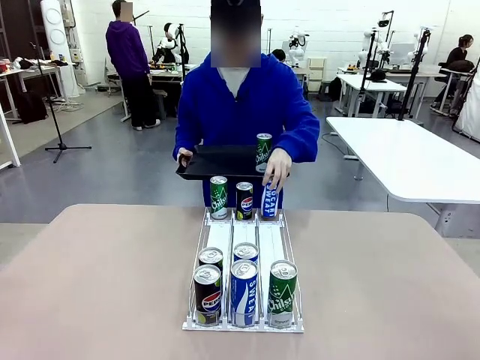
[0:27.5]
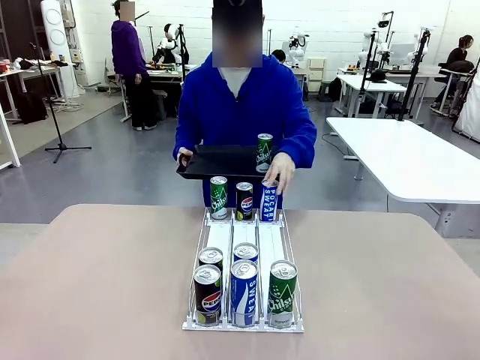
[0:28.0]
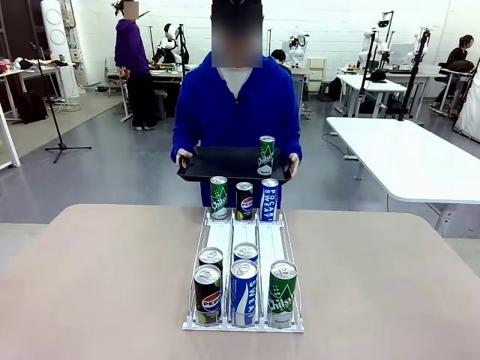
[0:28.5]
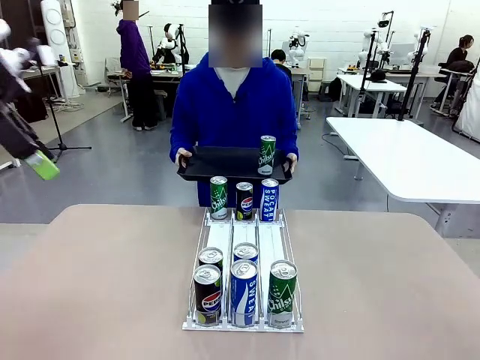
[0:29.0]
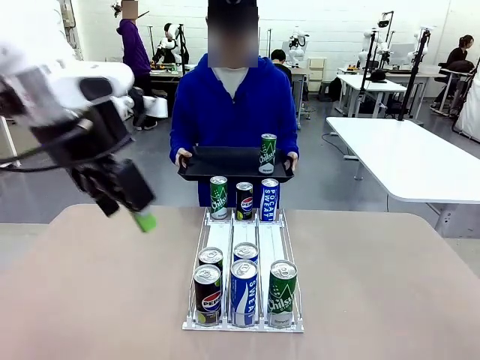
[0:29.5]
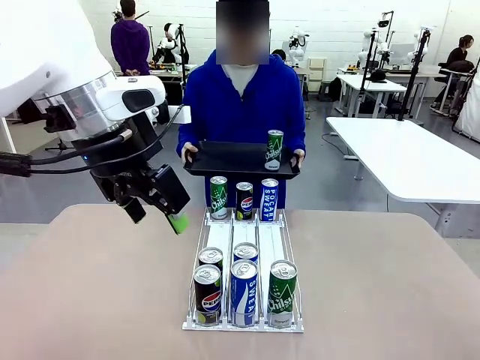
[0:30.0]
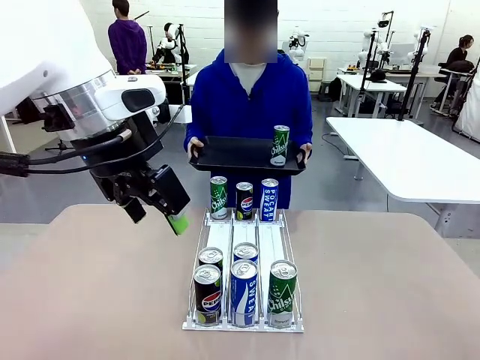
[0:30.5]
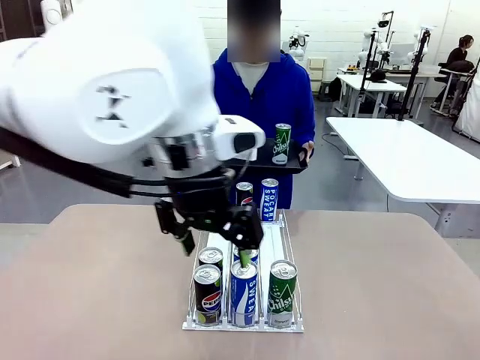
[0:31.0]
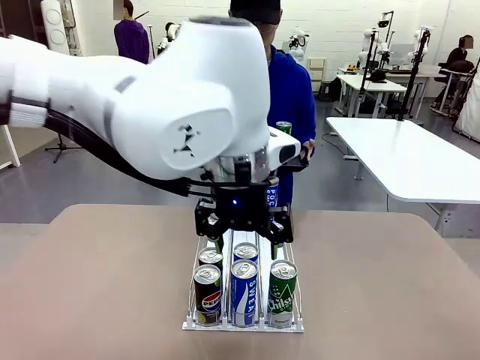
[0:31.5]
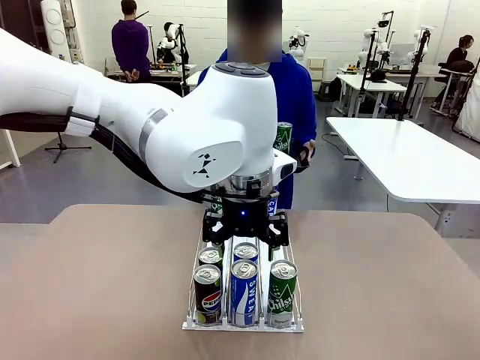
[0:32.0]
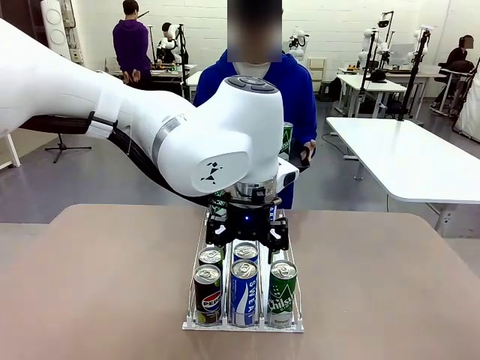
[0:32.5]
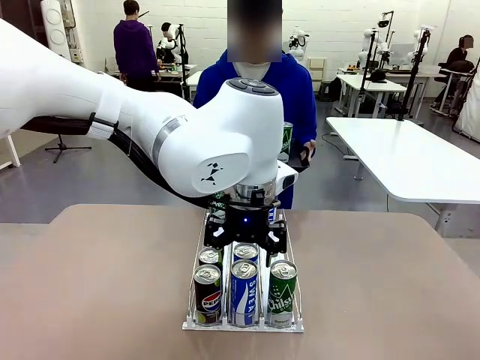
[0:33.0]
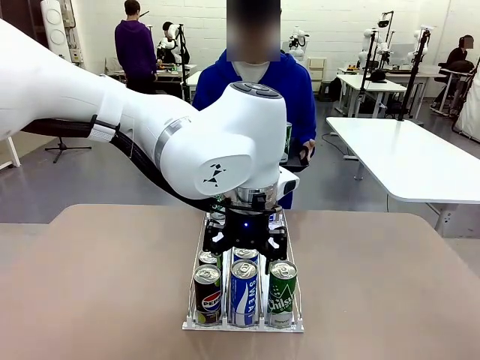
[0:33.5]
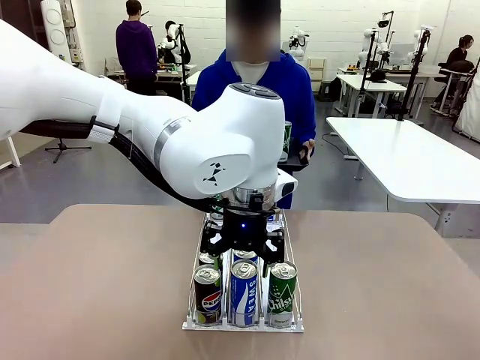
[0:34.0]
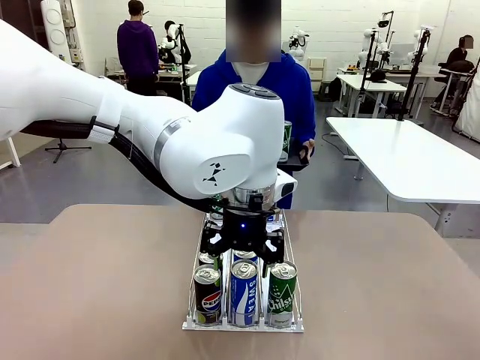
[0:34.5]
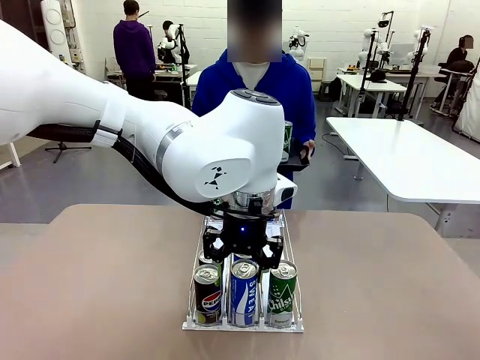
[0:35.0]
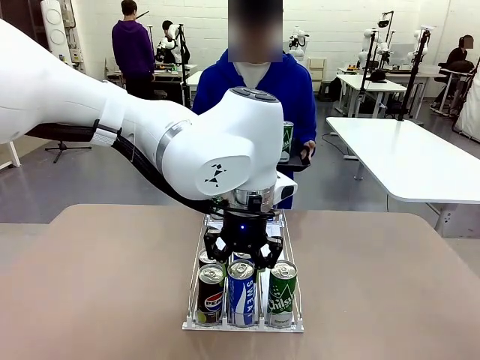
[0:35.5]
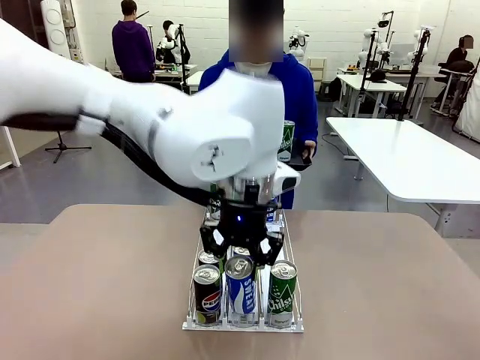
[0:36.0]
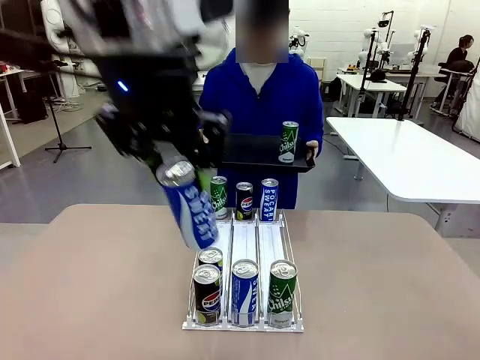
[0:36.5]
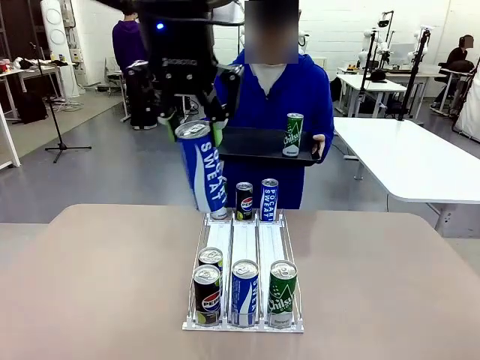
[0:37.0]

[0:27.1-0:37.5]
Task: Retrieve and hand over the desired beverage to the person.
Robot: Pick up another can of the same type that the person held from the Automatic Can Dispenser.
Person: Push the tray toward the robot again.

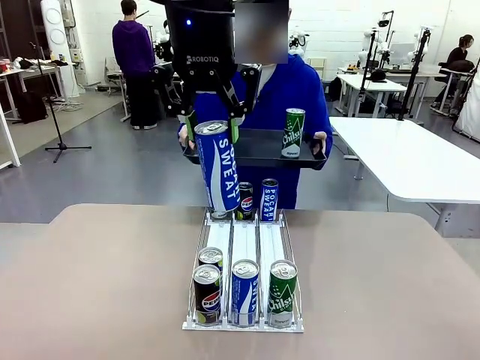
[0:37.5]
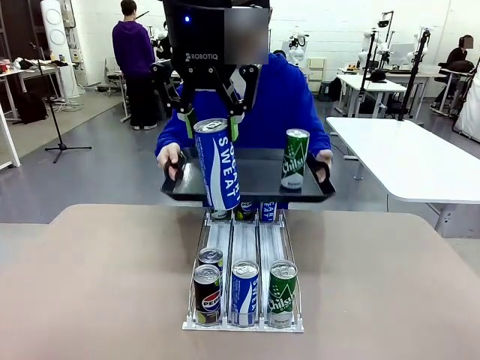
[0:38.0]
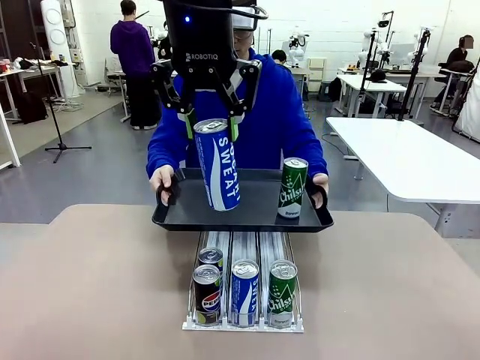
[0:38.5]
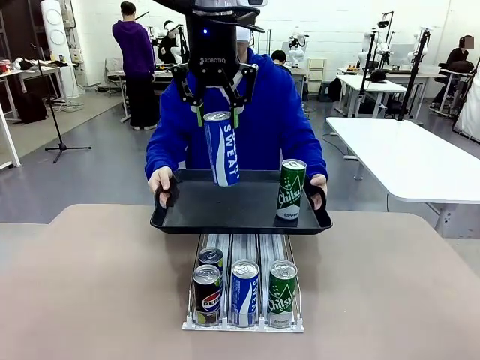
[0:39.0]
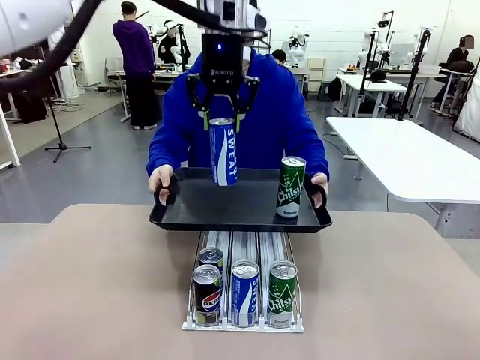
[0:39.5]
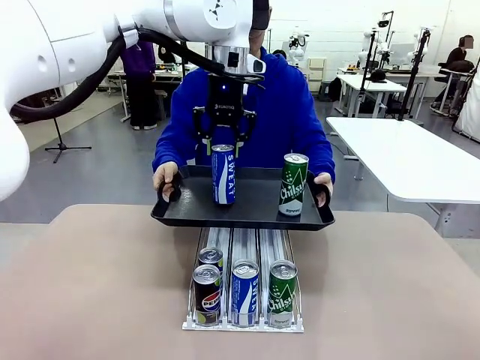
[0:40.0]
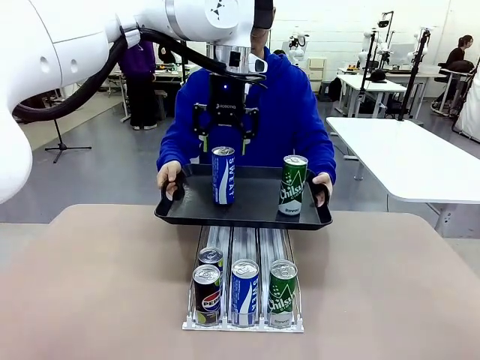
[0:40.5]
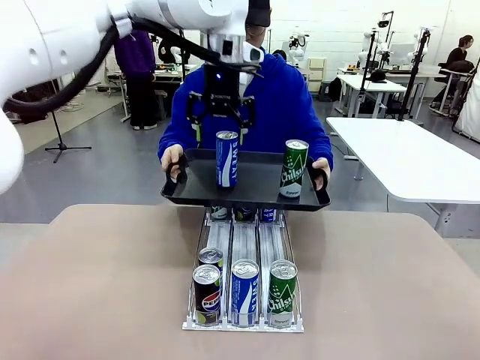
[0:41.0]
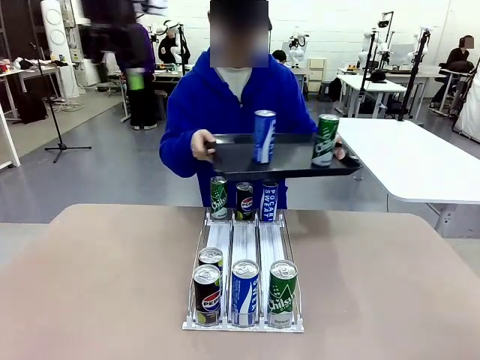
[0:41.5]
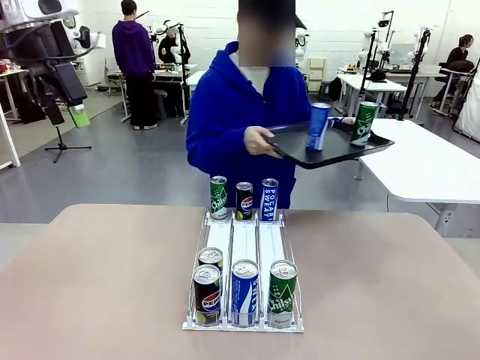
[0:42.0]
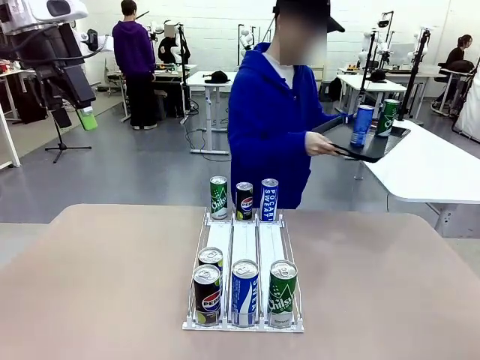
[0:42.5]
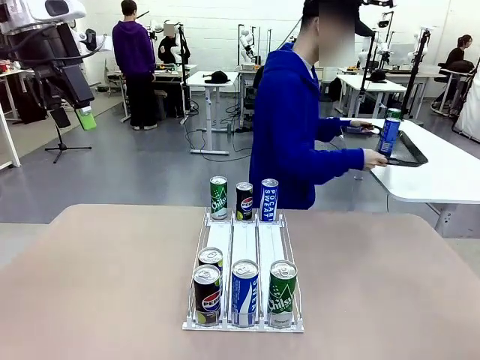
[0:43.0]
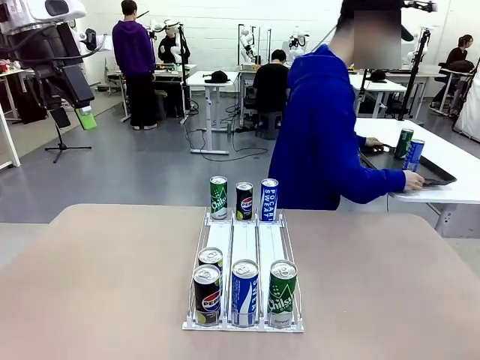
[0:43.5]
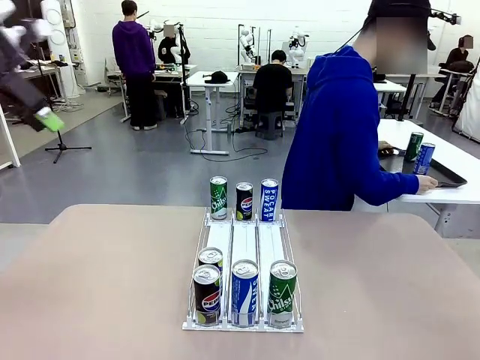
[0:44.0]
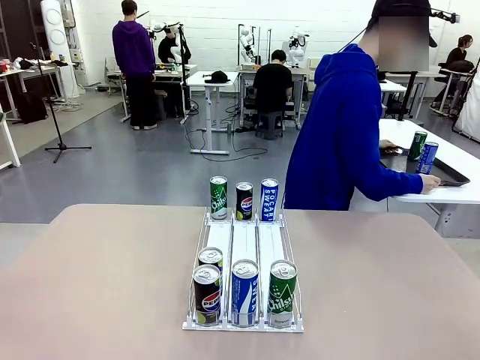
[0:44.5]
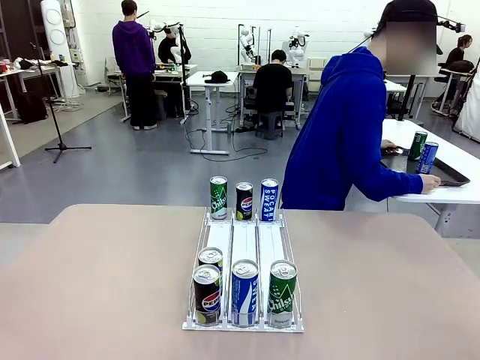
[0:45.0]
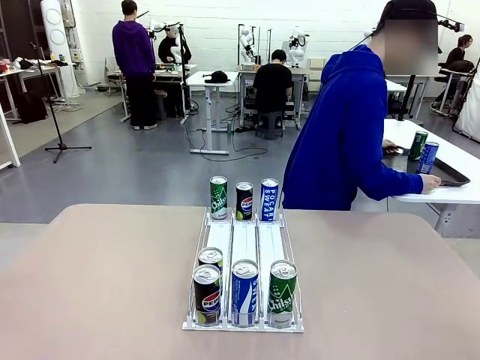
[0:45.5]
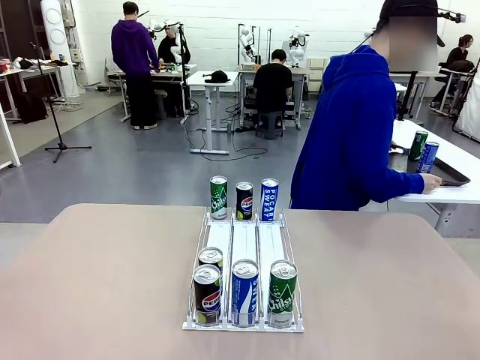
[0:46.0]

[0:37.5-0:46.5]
Robot: Place the picked can on the Handle tray extended by the person.
Person: Pull the tray back and place it at the center of the human table.

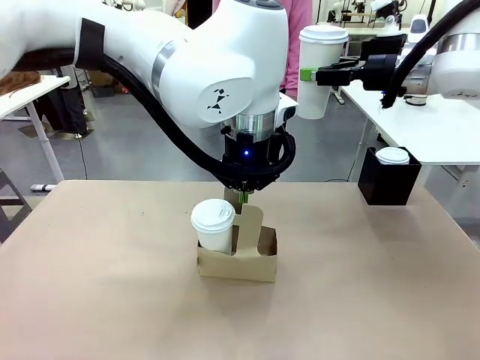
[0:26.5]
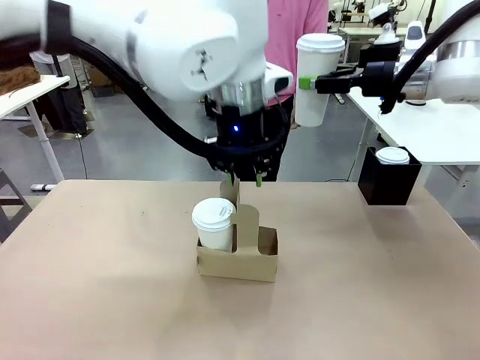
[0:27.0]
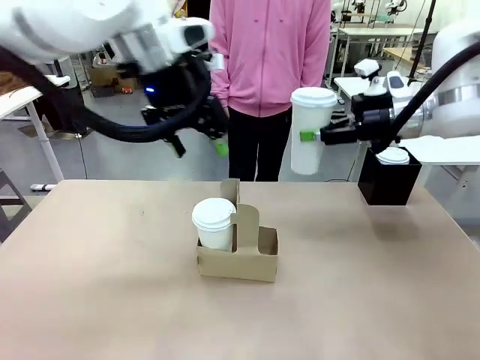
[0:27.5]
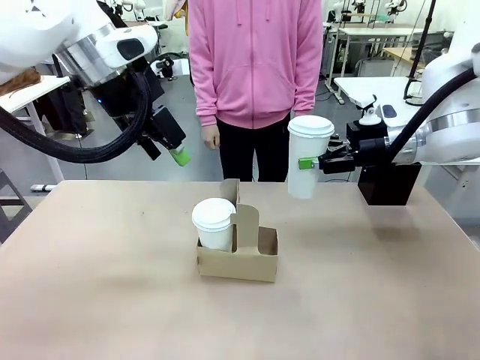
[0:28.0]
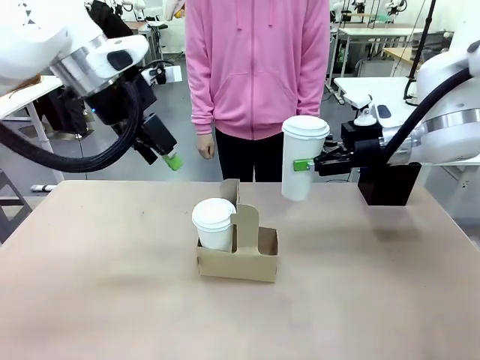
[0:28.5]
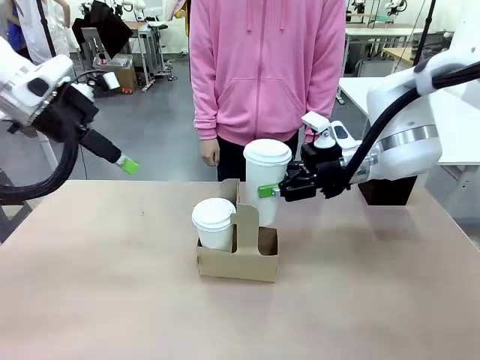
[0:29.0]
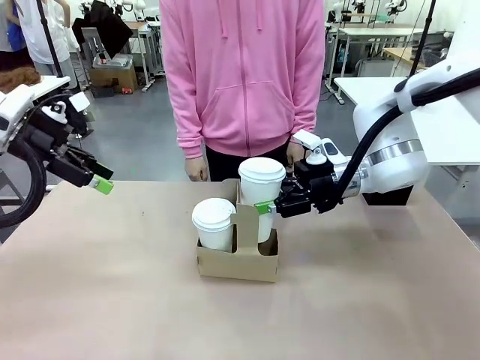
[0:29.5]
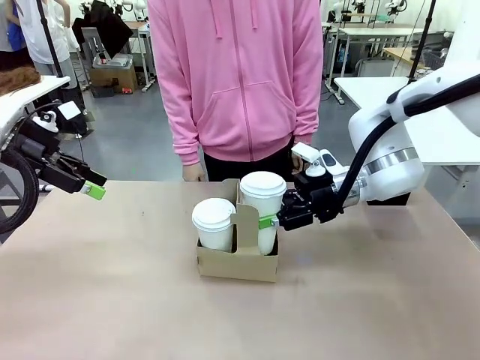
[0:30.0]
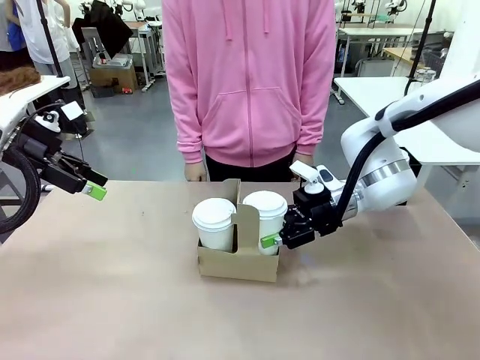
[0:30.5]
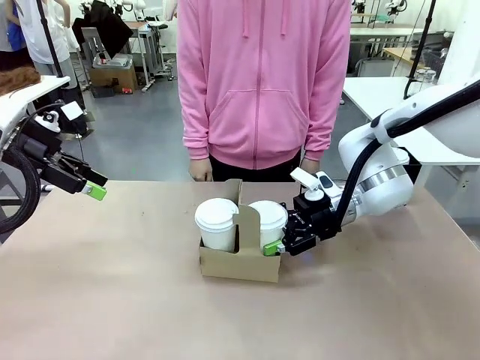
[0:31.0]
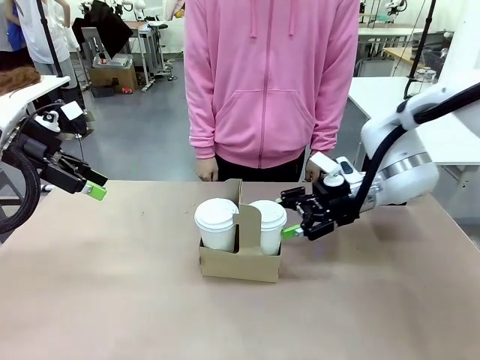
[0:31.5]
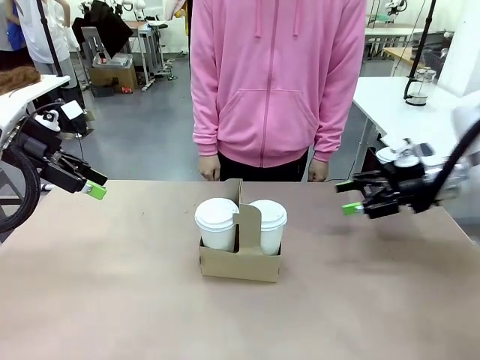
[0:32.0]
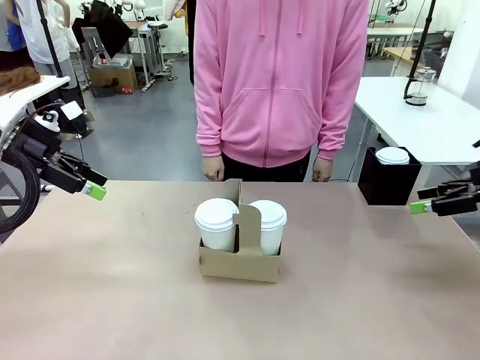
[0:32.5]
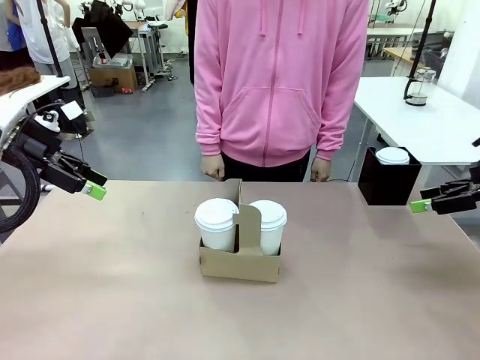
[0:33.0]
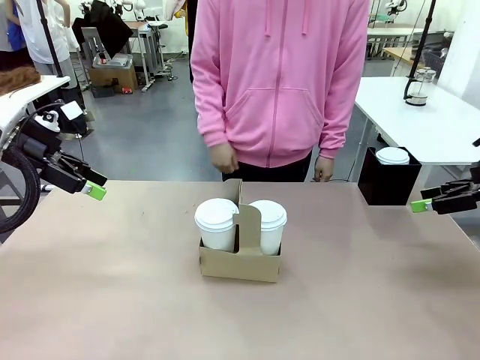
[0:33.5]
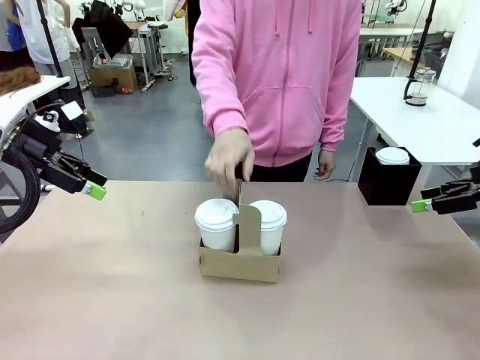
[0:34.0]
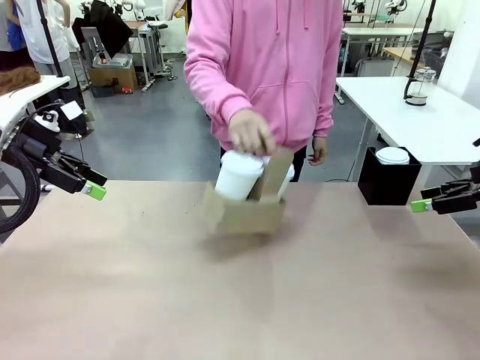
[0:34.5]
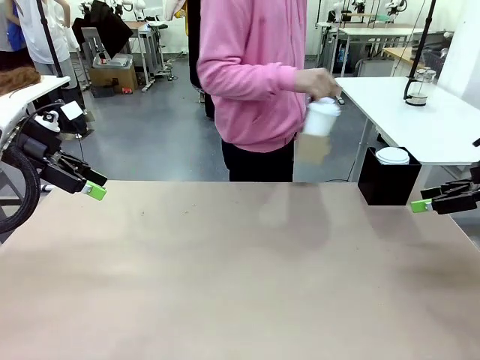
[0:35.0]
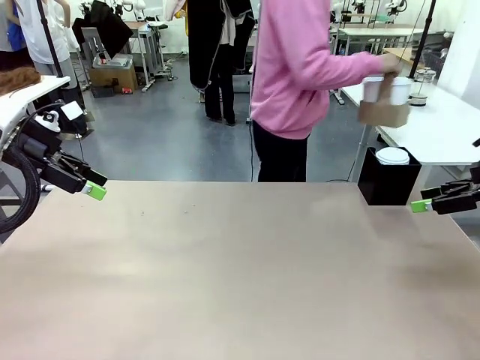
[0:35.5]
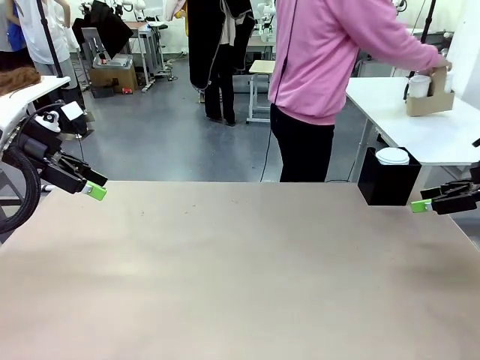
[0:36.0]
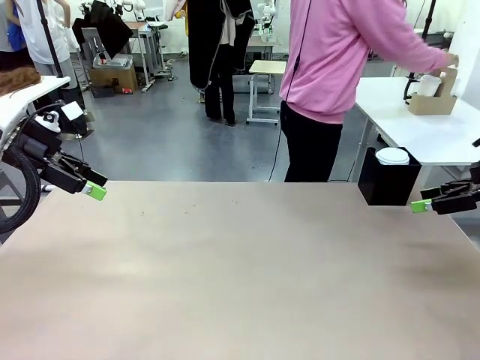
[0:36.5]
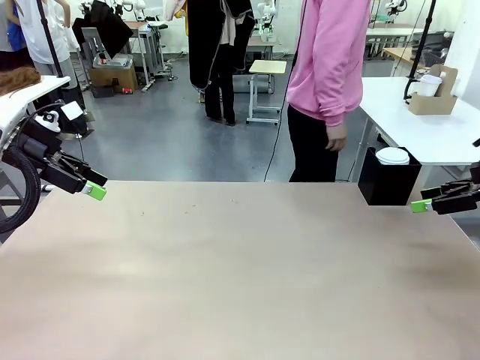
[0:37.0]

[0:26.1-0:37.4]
Task: Pour a drink into a cup and package it in a carrier.
Robot: Insert the held 600 ml Paper Cup into the Cup Carrier.
Person: Place the Cup Carrier to the middle of Human table.
